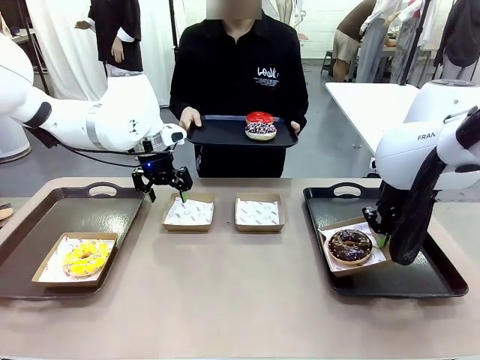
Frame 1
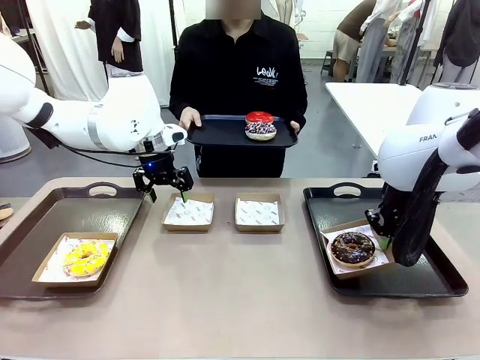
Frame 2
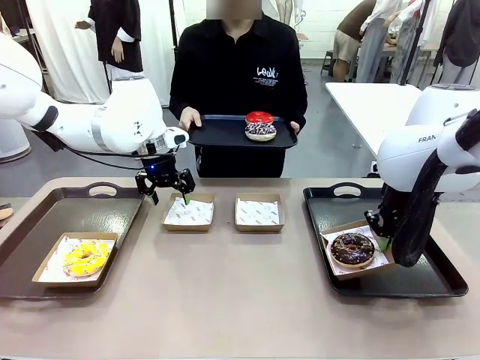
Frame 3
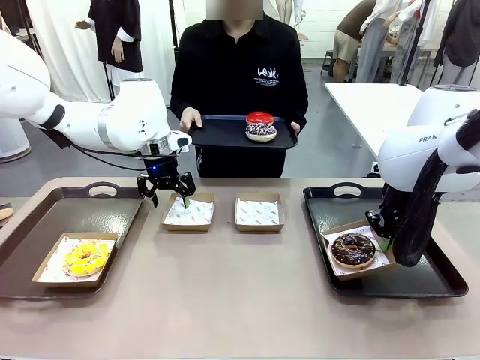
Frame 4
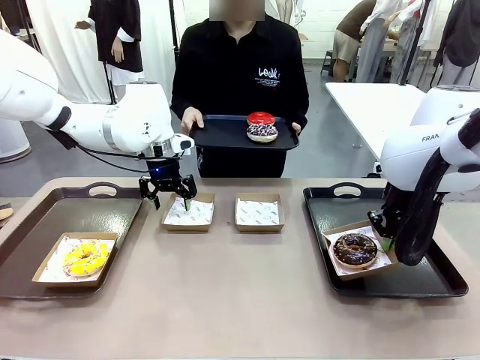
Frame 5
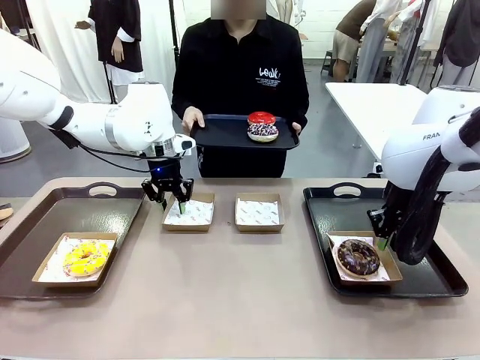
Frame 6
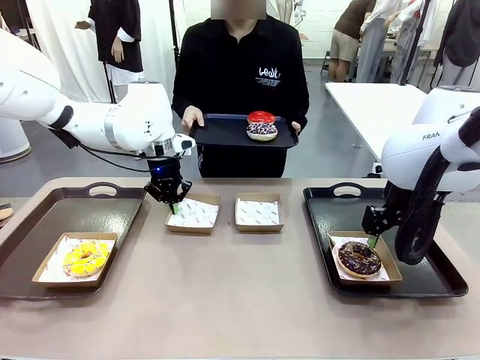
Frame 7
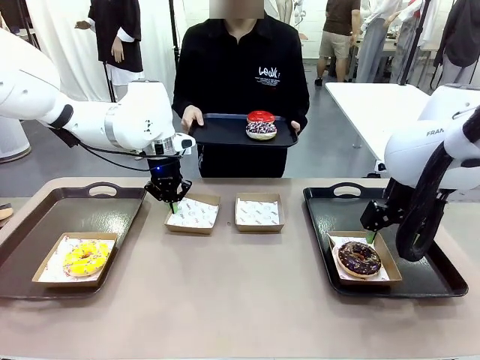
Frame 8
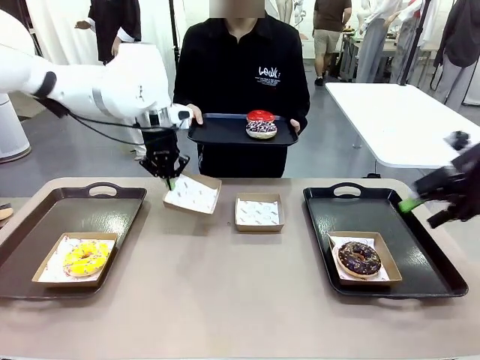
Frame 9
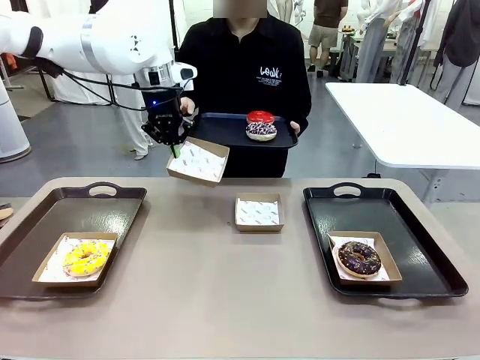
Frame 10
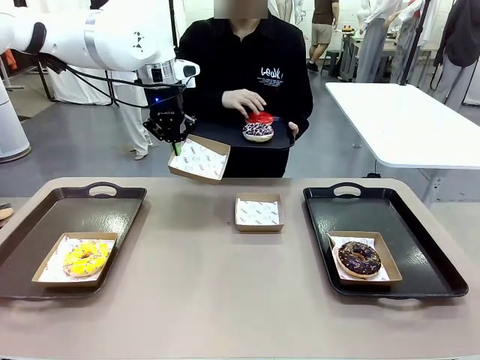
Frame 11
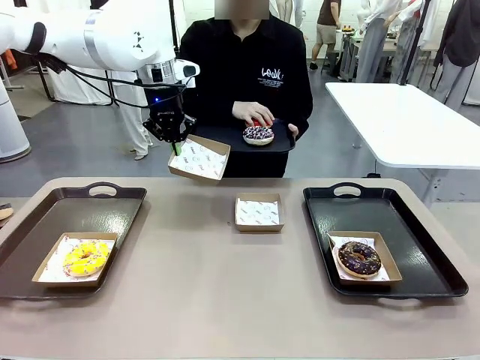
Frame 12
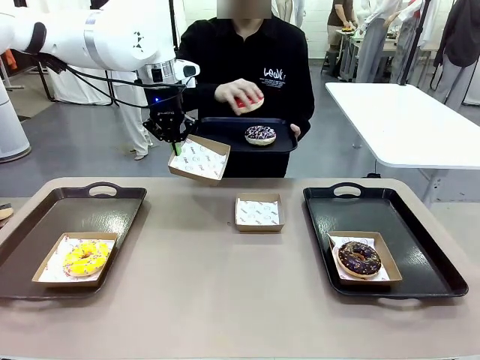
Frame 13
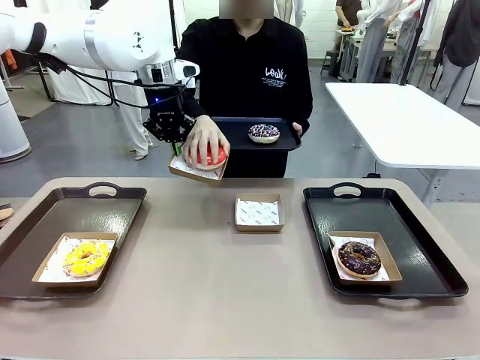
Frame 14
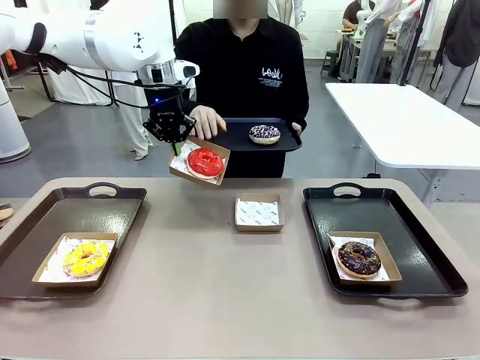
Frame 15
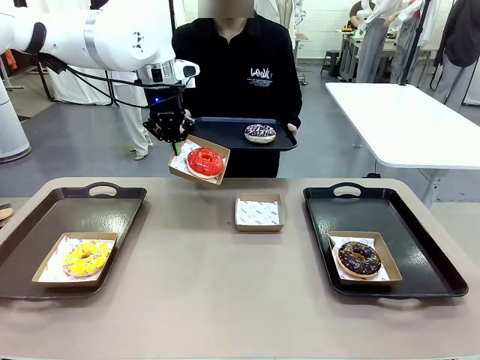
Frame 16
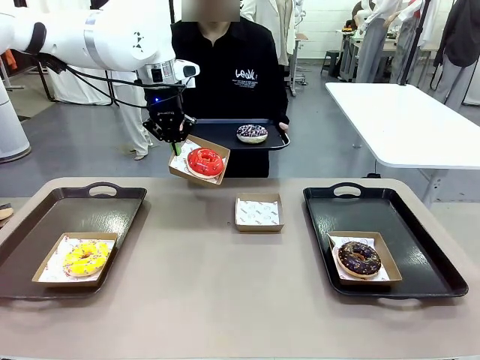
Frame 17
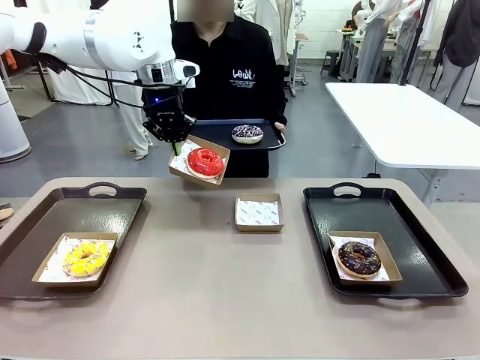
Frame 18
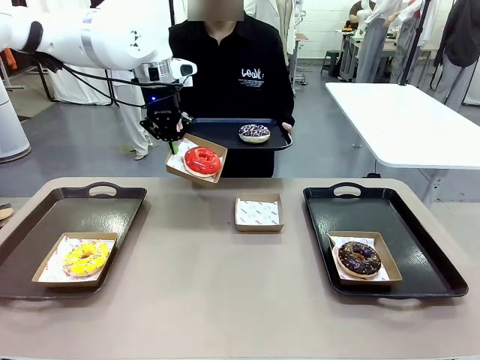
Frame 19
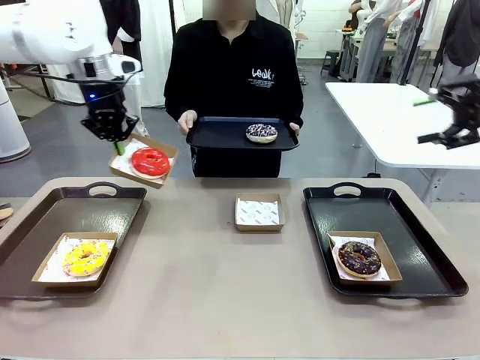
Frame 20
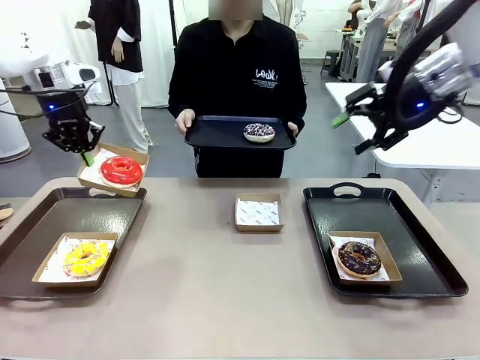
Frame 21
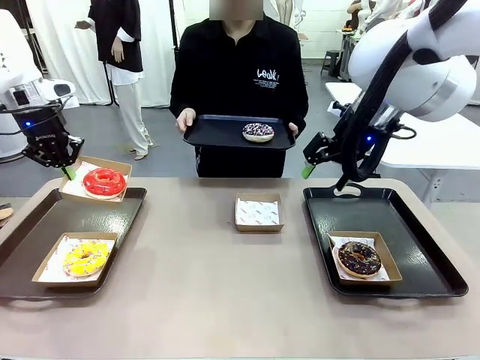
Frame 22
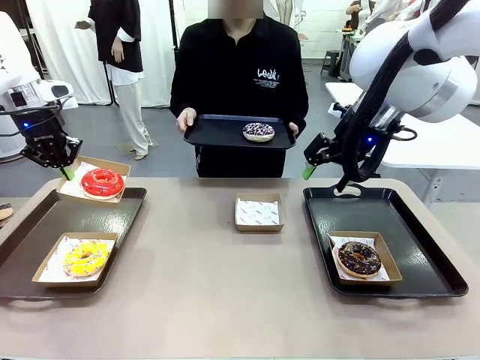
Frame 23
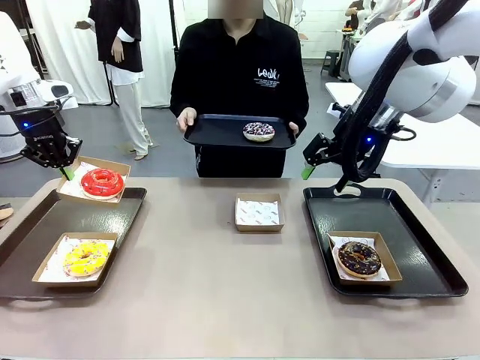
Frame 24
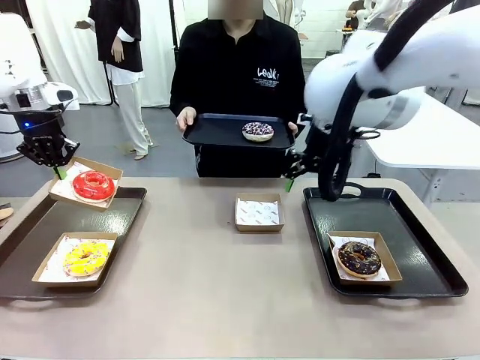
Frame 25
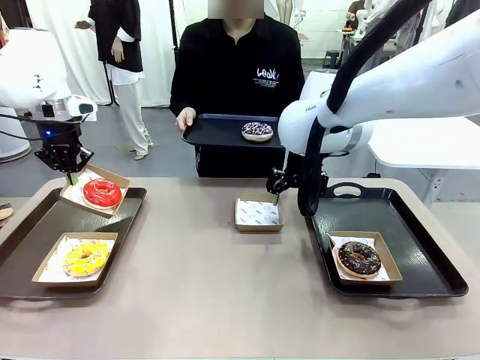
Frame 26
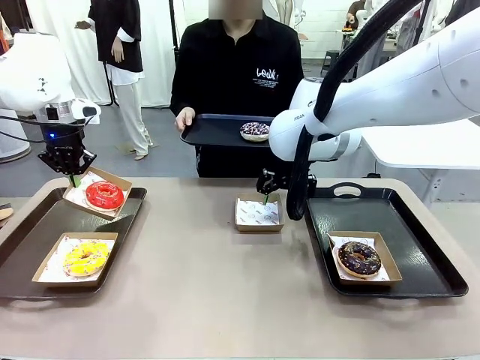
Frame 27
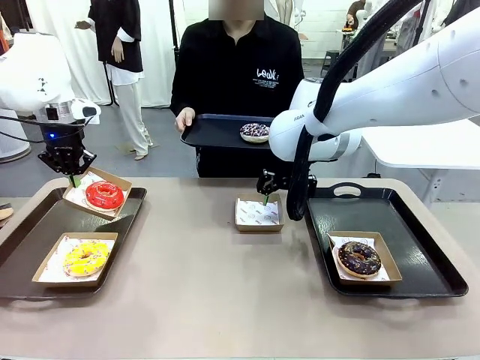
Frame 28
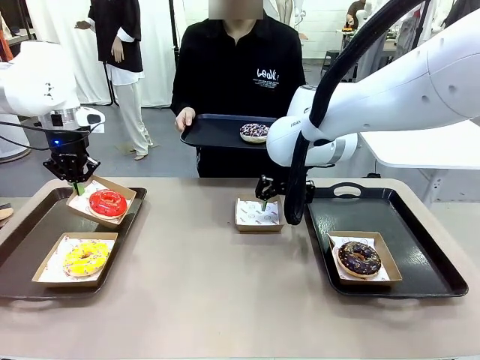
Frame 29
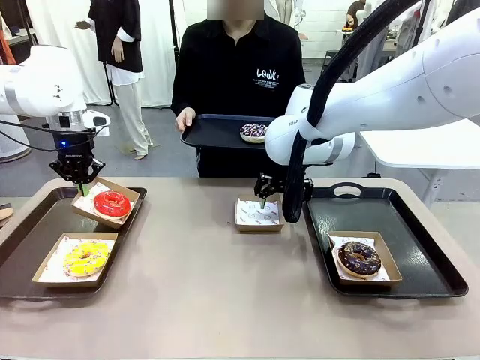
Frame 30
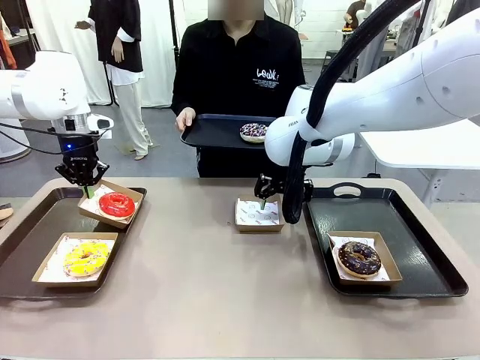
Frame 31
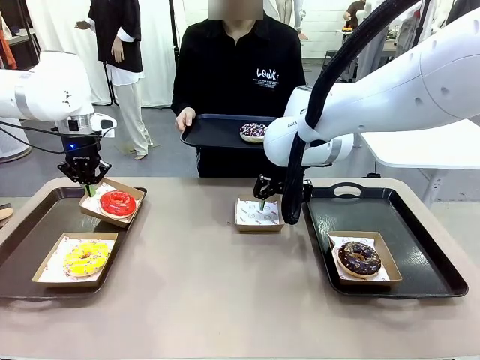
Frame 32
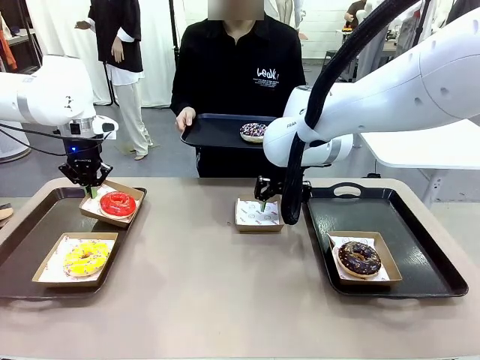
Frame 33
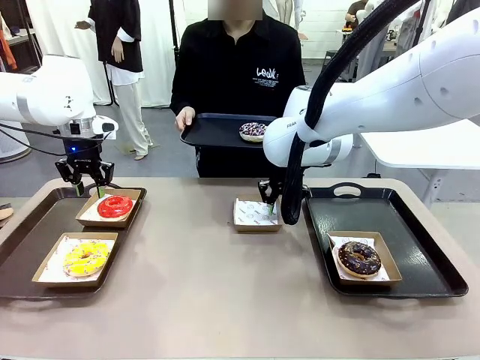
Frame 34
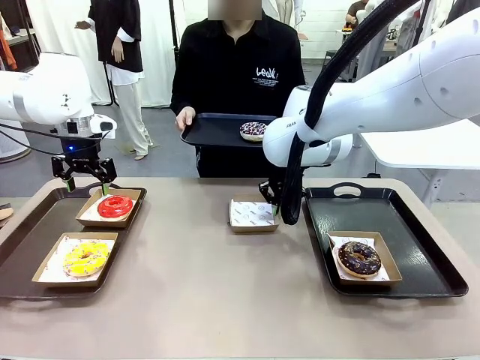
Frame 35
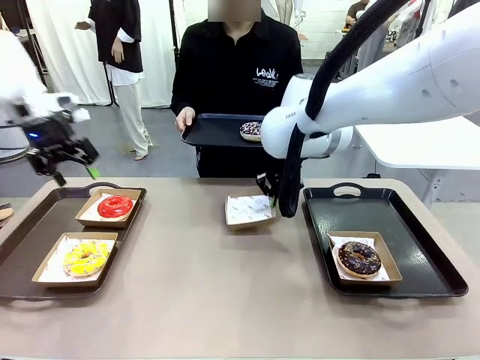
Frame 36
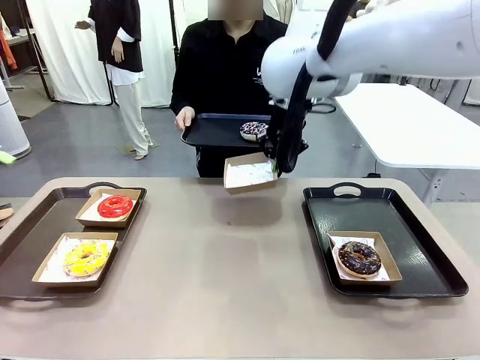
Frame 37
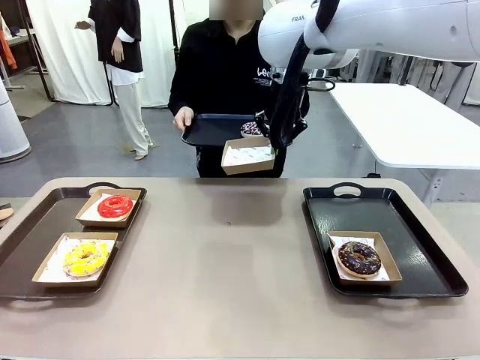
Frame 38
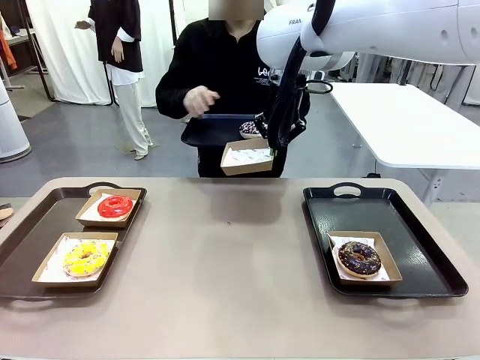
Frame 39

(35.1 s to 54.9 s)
Task: Individually package the donuts and arrange them on the tray.
Robot: Place the picked Paper togo box on the Handle tray while simultaneously picking up another Paper togo box from the table with the other hand.

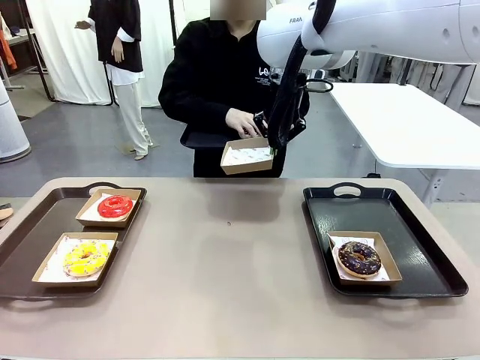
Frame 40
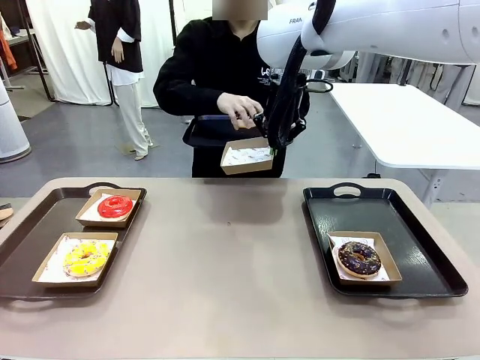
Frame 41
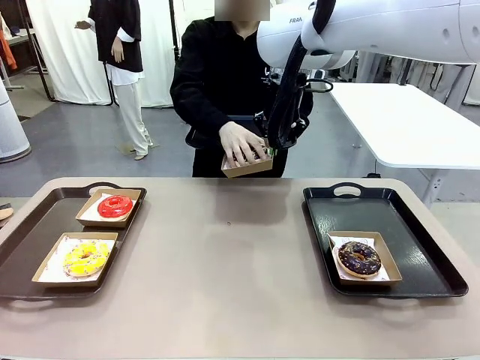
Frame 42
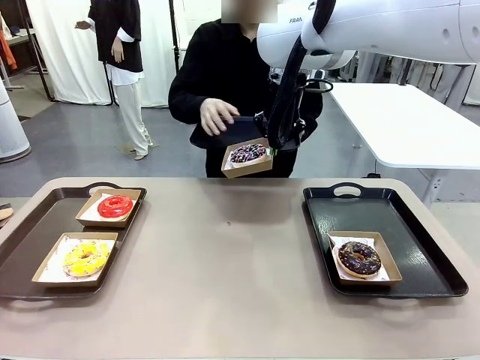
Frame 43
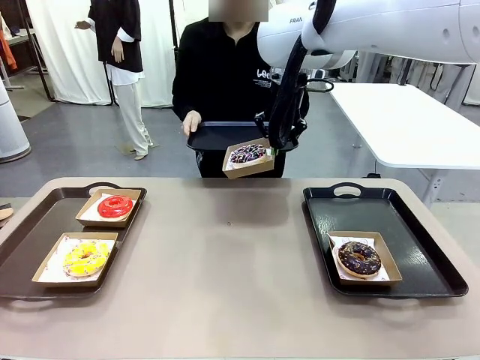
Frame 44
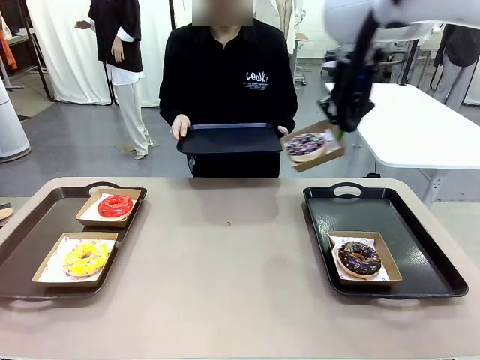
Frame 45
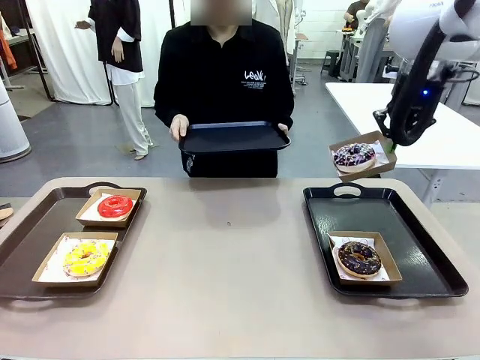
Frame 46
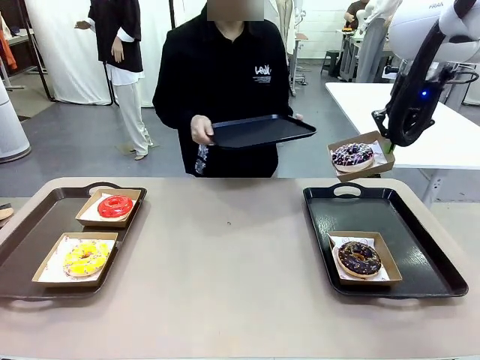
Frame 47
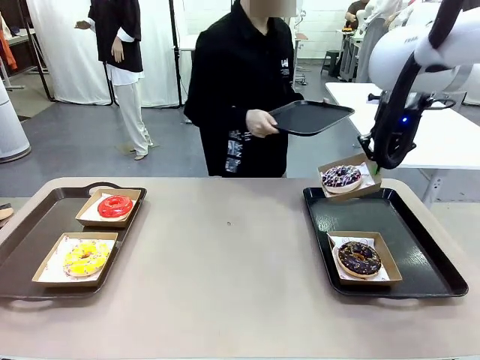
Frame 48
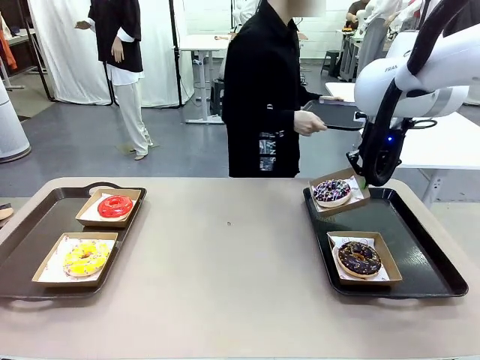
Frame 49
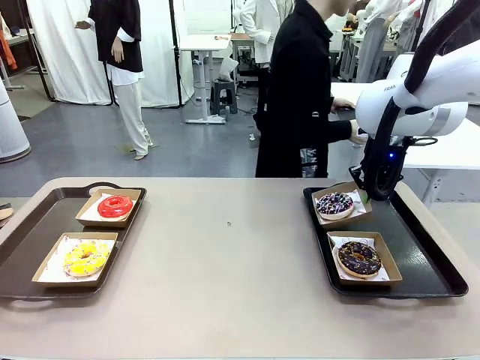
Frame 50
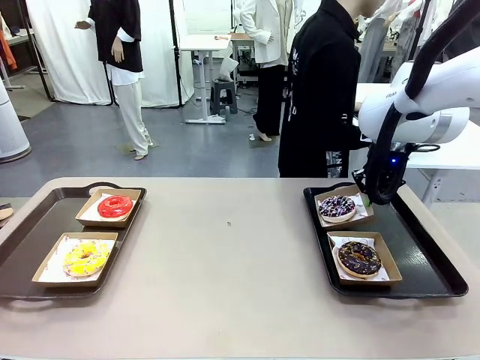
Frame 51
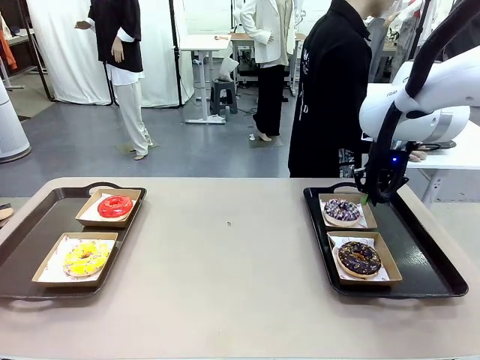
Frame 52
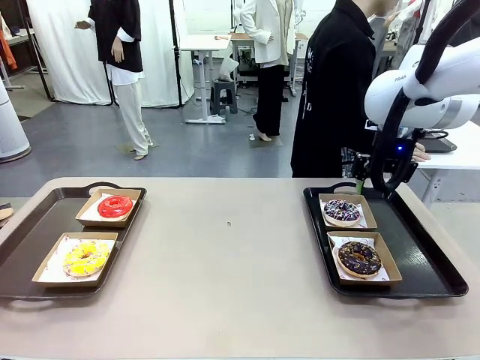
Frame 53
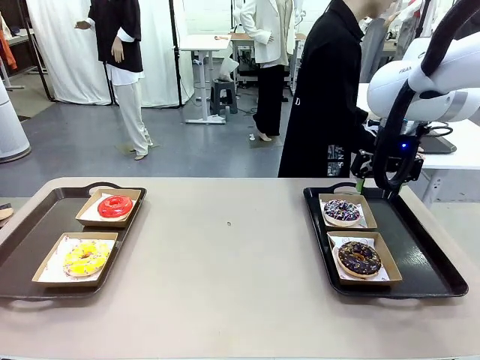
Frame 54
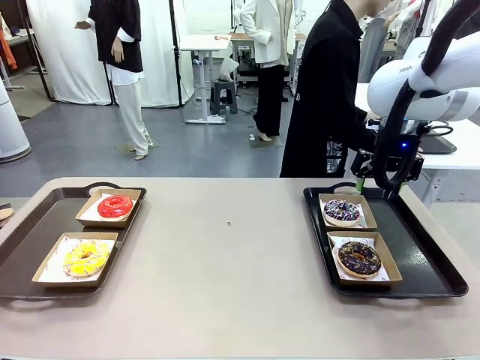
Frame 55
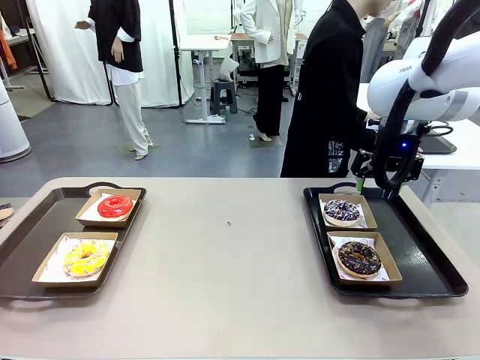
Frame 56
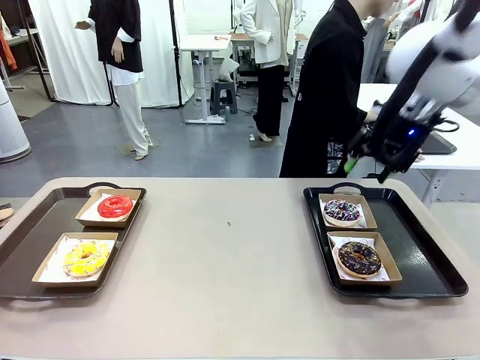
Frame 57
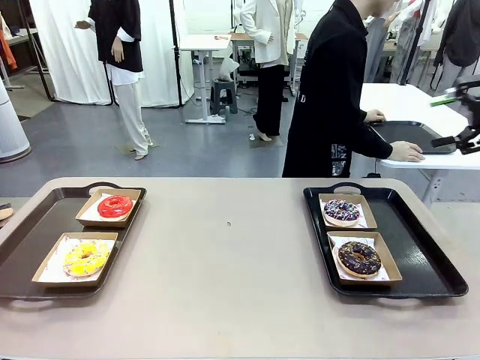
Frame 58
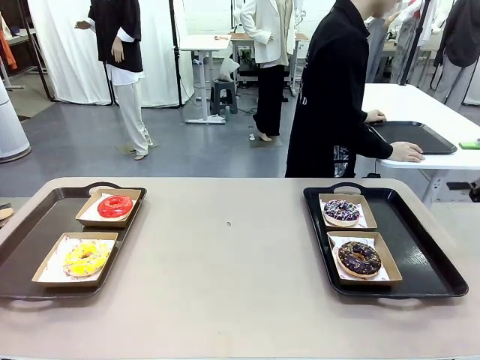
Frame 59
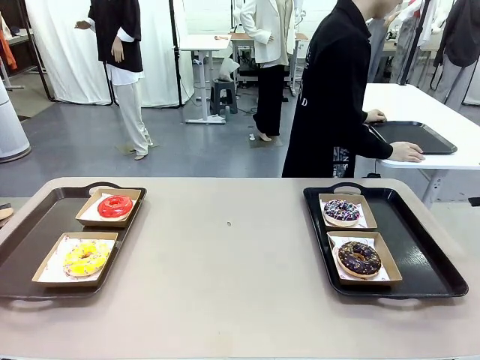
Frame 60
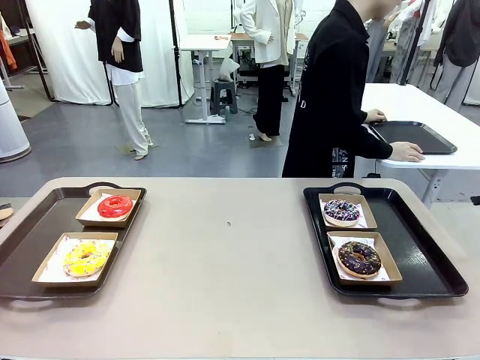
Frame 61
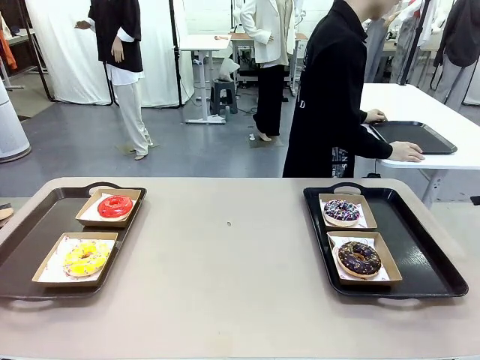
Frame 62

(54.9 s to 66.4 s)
Robot: Place the picked Paper togo box on the Handle tray.
Person: Place the tray down in the middle of the human table.
